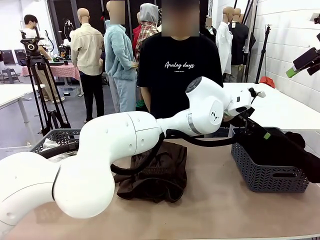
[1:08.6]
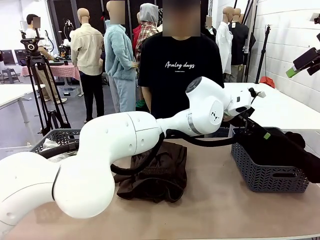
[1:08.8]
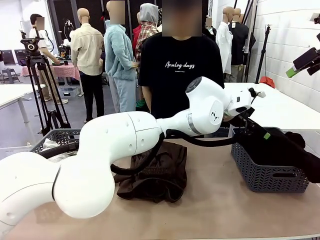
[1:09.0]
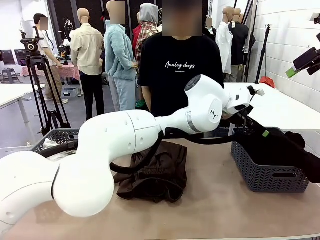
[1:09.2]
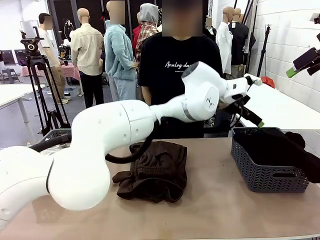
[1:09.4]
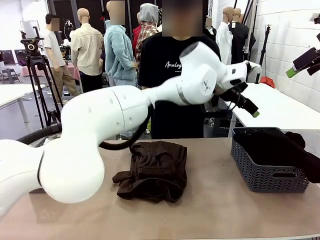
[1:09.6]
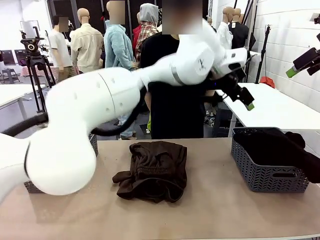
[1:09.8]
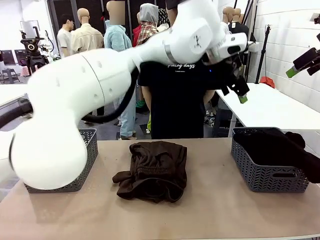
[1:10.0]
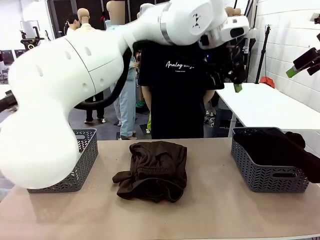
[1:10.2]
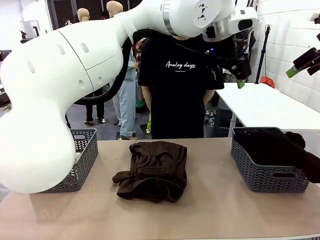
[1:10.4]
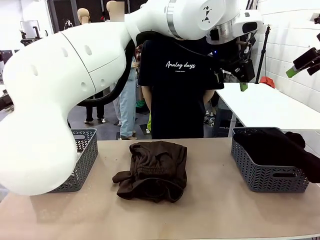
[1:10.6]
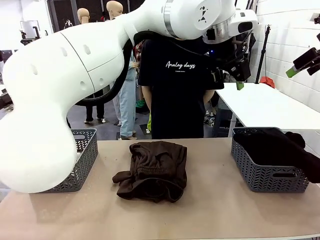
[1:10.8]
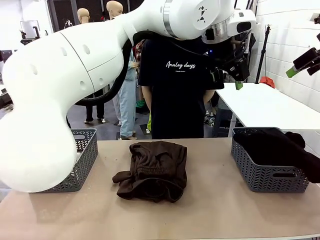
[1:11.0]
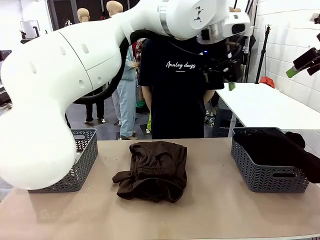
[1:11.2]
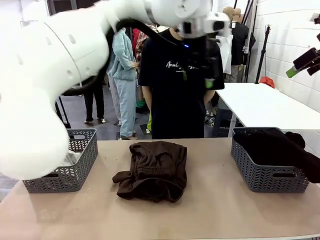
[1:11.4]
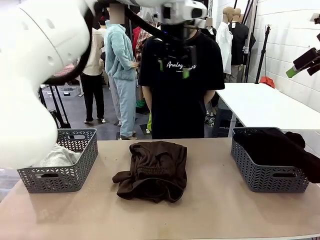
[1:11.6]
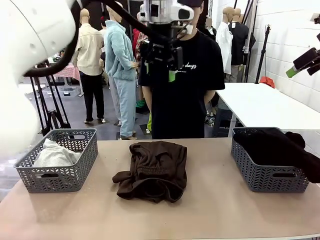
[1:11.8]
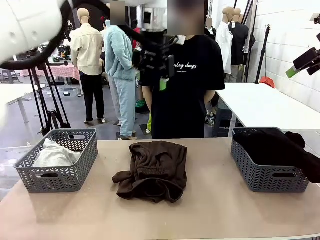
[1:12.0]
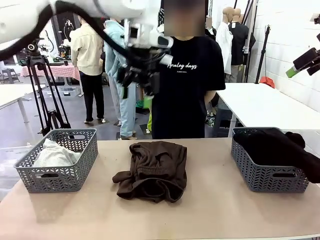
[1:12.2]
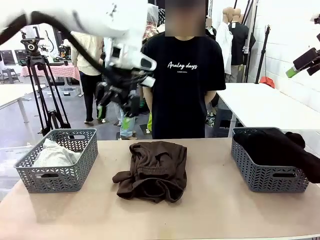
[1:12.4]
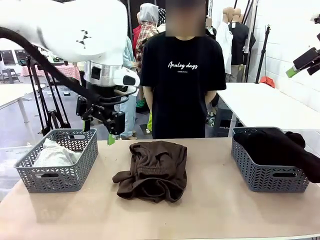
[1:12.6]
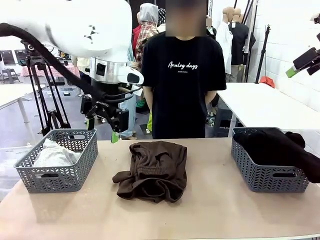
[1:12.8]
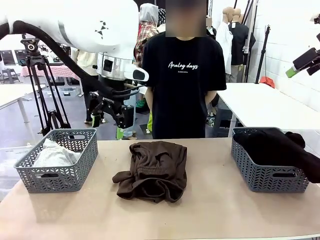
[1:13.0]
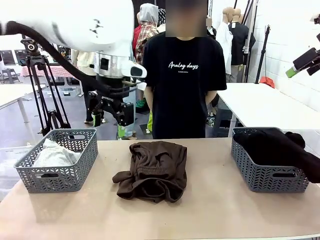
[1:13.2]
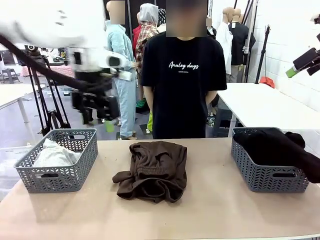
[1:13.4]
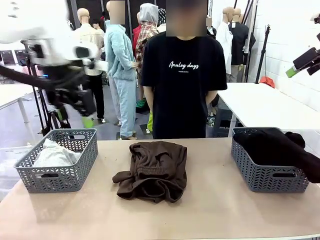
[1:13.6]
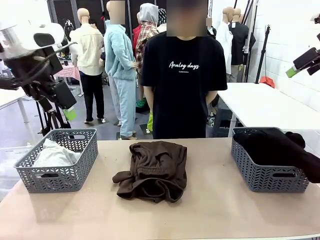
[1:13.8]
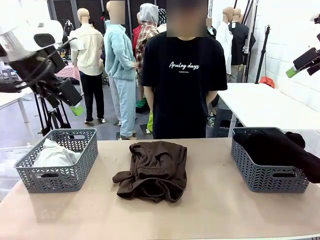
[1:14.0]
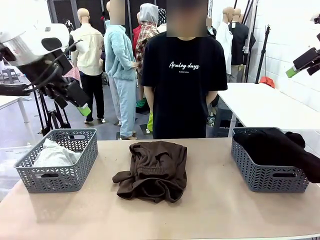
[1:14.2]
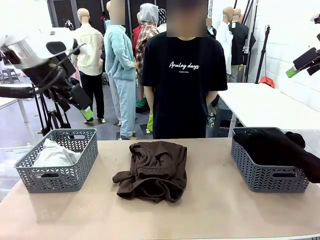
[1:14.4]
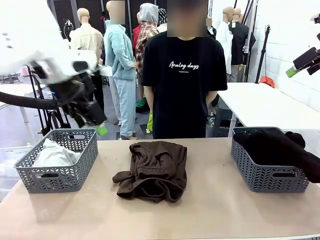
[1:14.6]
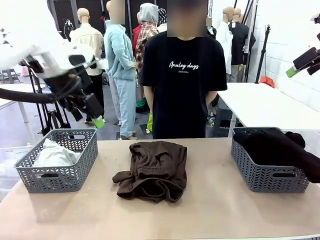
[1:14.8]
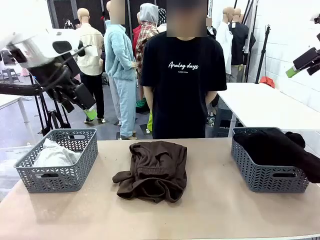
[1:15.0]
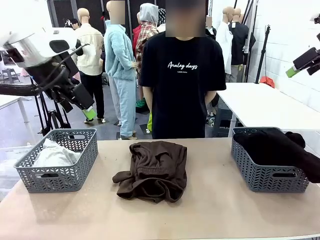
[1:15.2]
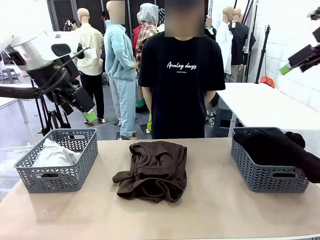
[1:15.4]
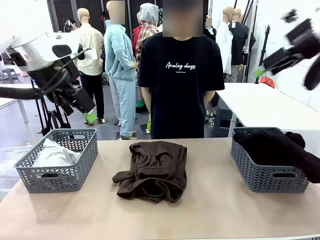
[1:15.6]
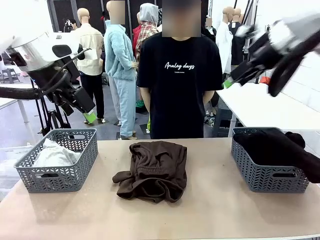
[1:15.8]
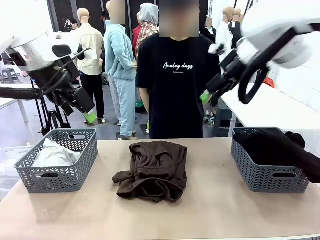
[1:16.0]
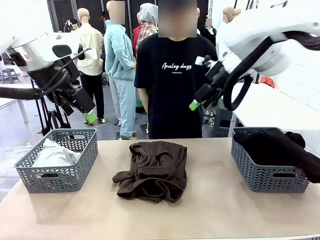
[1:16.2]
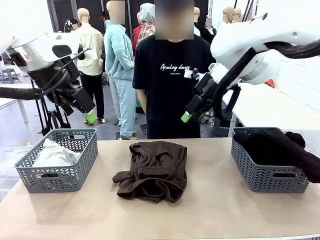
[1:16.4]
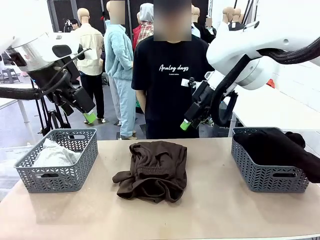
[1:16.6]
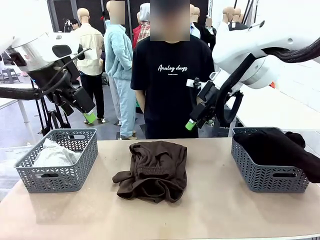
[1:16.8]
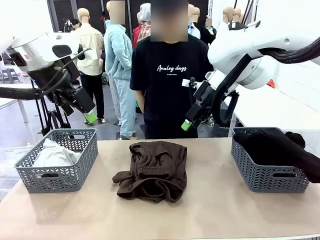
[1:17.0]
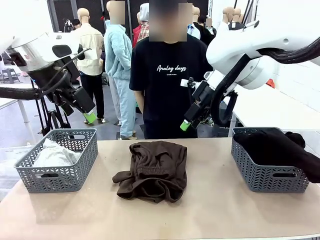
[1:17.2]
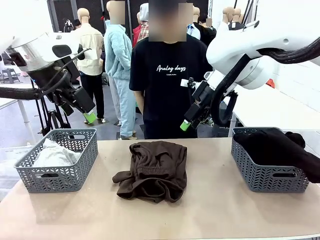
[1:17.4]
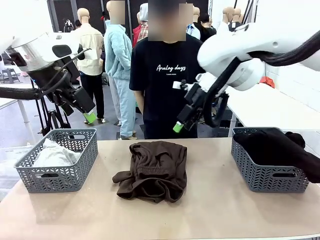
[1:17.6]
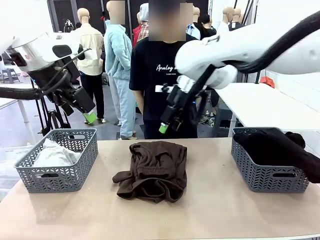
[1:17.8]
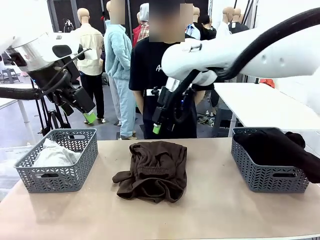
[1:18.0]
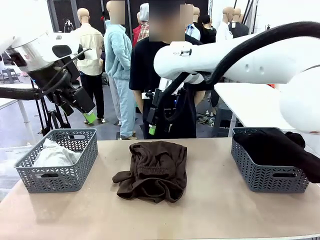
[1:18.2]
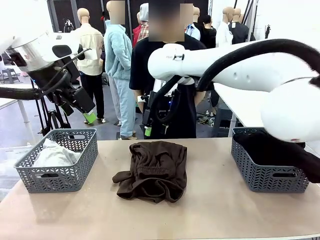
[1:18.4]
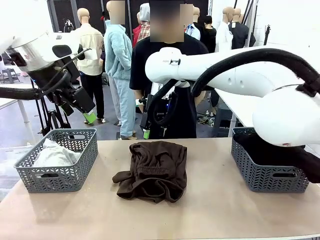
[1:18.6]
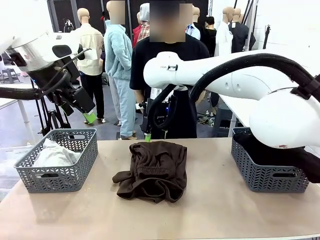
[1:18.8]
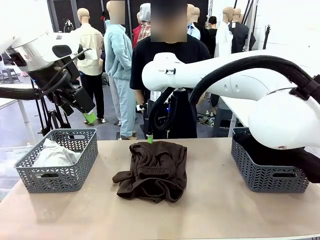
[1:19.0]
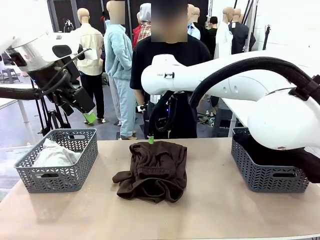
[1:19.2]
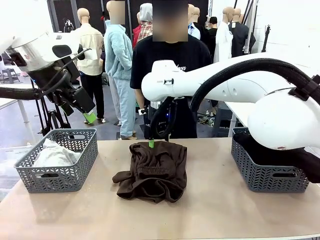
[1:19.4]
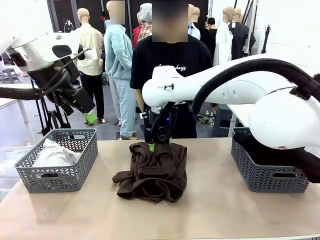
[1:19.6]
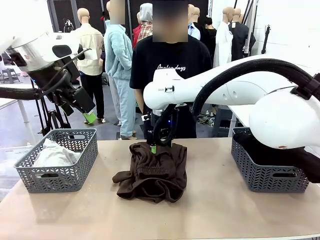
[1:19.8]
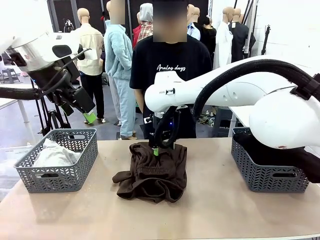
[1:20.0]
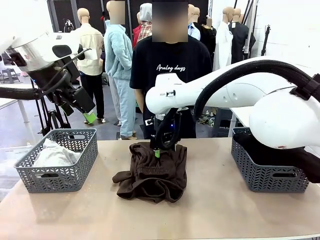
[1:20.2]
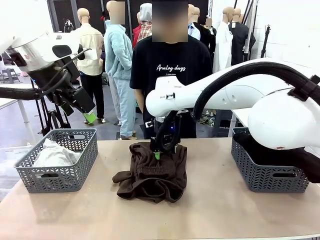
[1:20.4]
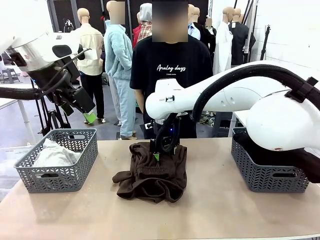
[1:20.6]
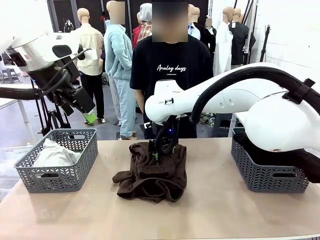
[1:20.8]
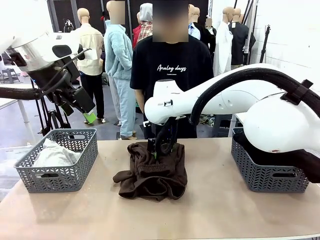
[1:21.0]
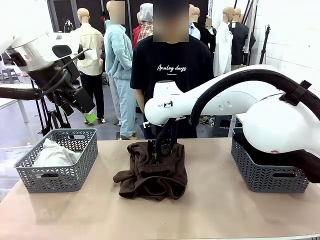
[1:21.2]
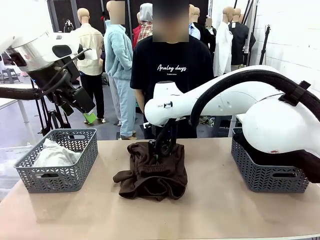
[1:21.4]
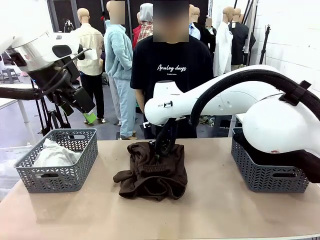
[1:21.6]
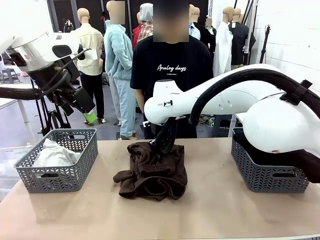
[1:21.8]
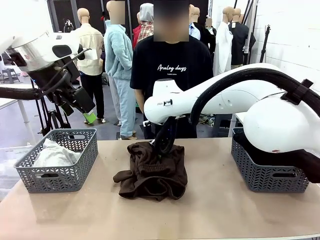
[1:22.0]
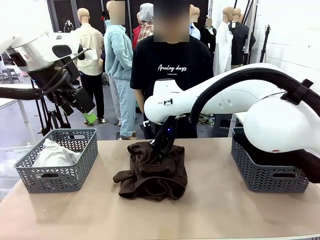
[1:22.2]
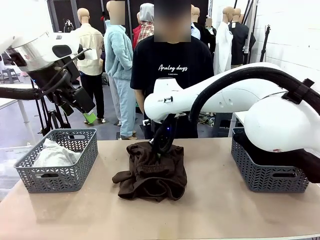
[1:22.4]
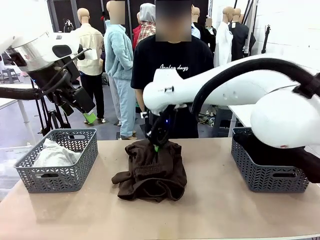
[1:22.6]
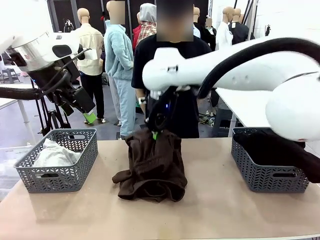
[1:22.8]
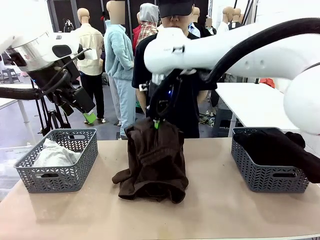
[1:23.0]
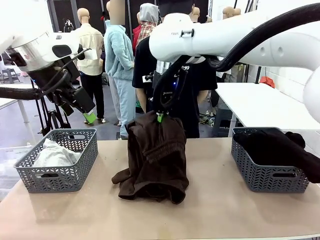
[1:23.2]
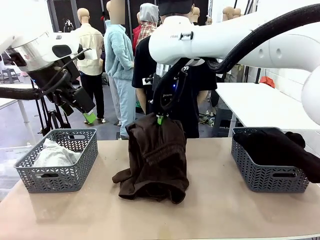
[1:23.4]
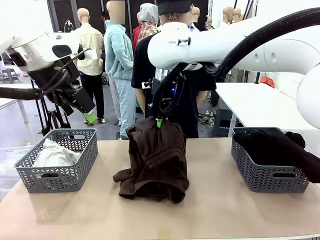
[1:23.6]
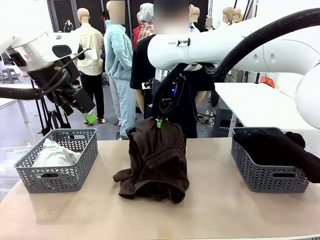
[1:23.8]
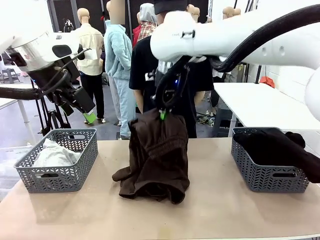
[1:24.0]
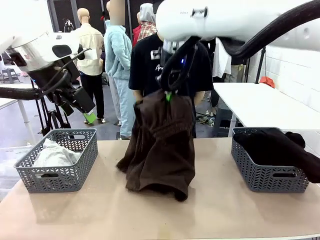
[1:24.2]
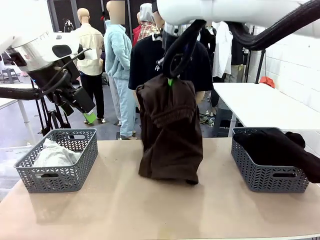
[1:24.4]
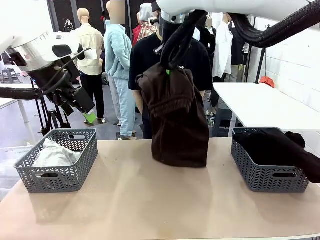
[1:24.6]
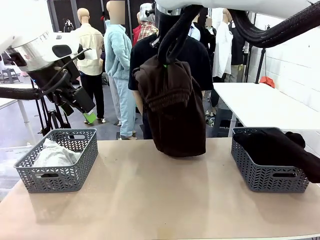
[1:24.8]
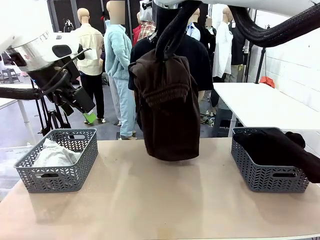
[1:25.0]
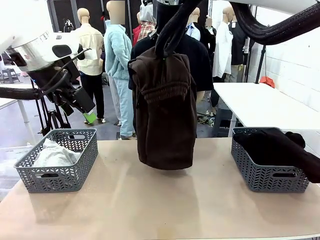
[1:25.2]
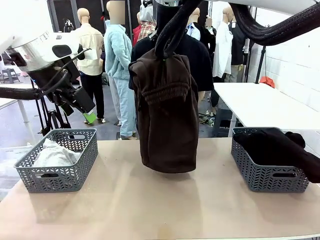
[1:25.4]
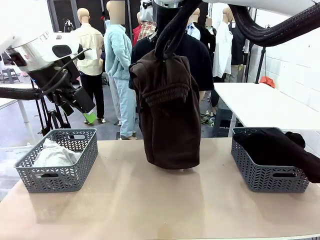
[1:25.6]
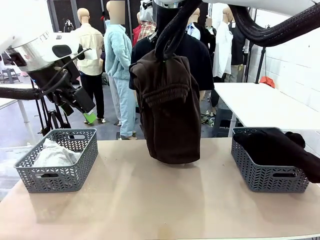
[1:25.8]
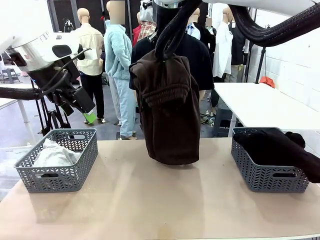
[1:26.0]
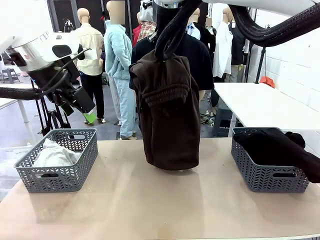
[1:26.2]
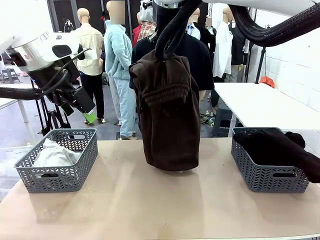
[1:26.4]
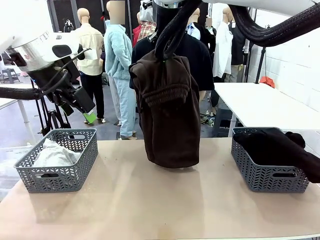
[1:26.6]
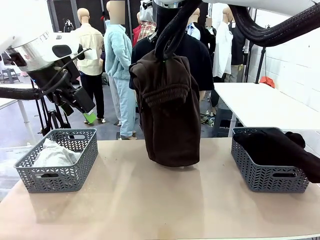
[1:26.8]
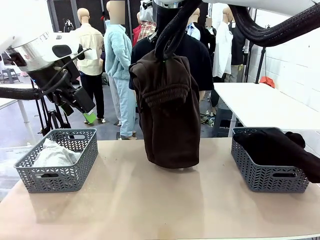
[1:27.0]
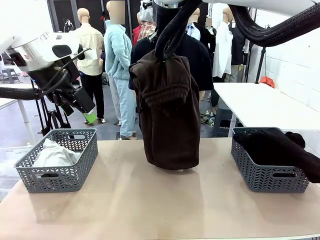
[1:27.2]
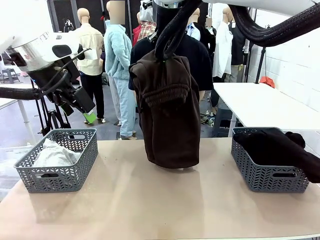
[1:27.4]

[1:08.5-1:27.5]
Task: Sort the tops and bottoms.
Robot: Lift clothes from the center of the table with your right hand.
